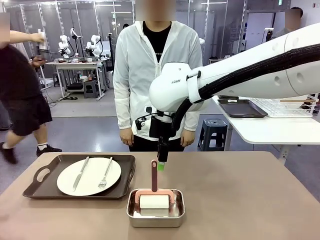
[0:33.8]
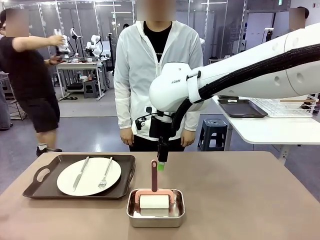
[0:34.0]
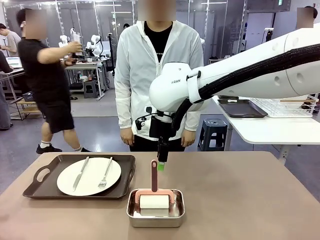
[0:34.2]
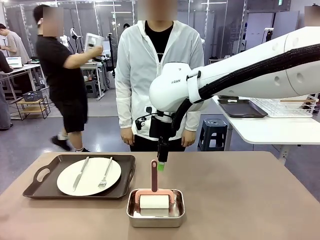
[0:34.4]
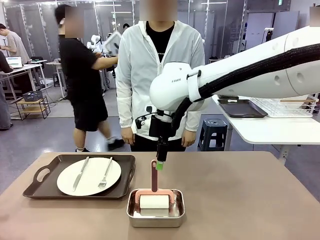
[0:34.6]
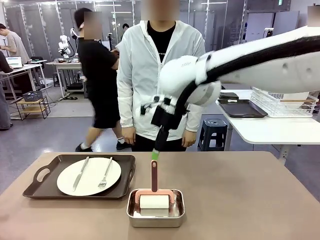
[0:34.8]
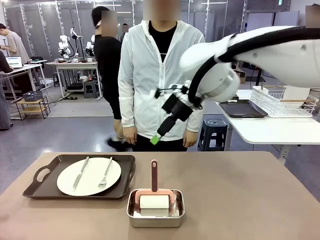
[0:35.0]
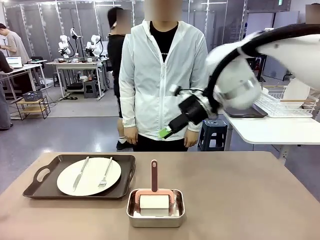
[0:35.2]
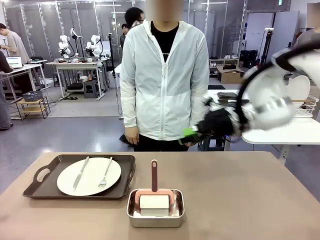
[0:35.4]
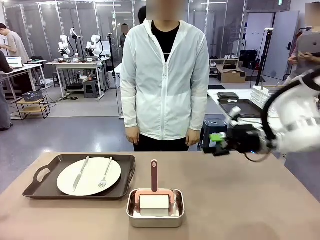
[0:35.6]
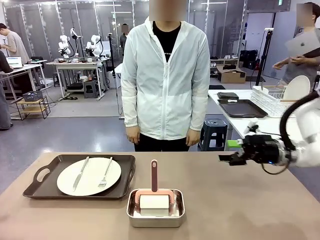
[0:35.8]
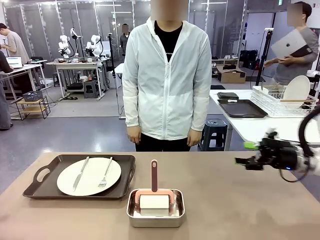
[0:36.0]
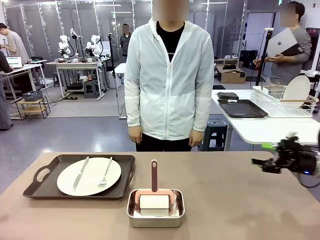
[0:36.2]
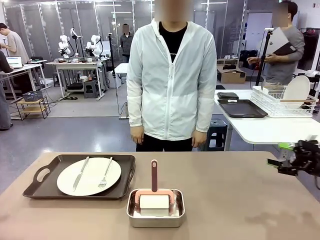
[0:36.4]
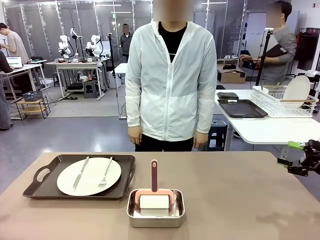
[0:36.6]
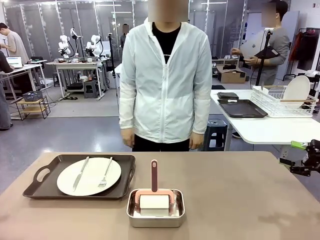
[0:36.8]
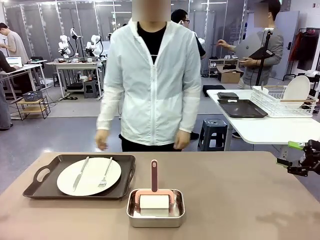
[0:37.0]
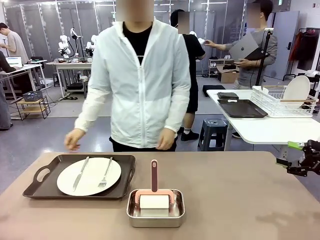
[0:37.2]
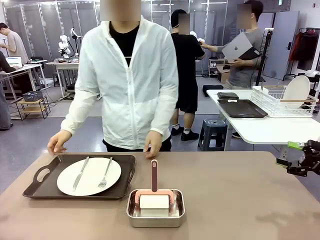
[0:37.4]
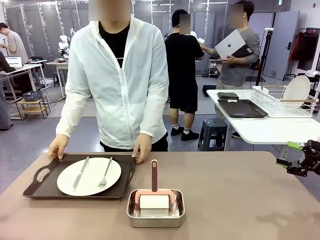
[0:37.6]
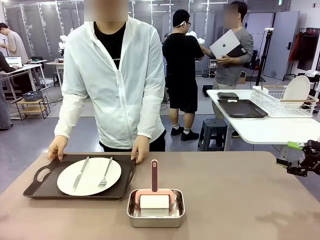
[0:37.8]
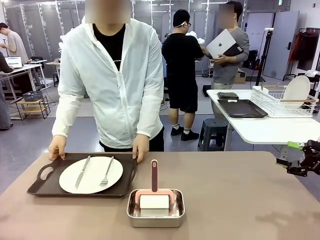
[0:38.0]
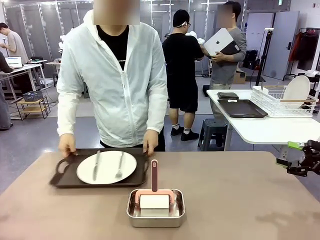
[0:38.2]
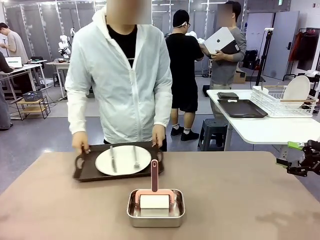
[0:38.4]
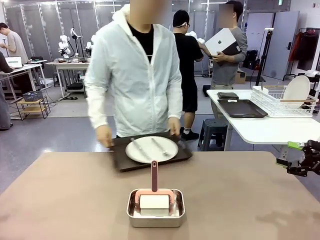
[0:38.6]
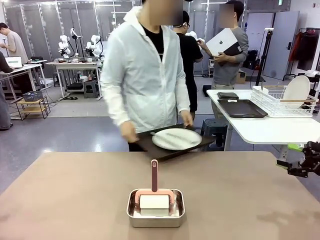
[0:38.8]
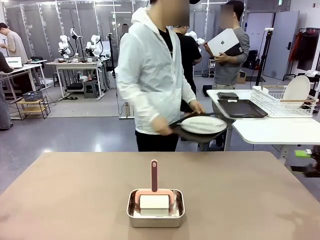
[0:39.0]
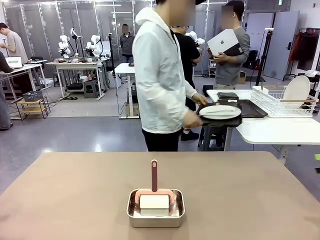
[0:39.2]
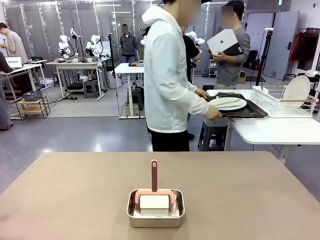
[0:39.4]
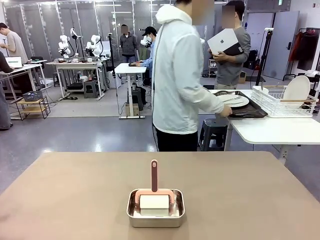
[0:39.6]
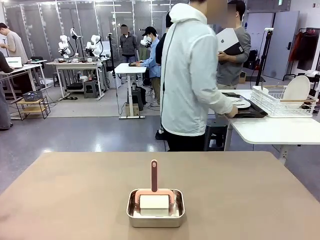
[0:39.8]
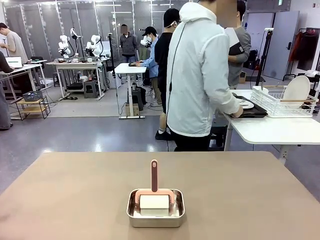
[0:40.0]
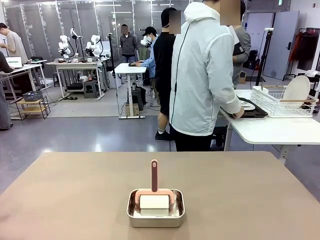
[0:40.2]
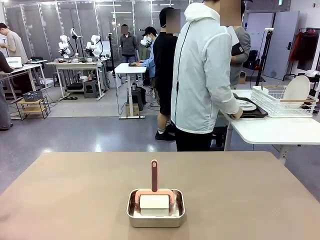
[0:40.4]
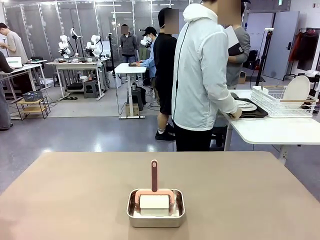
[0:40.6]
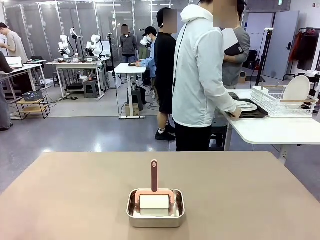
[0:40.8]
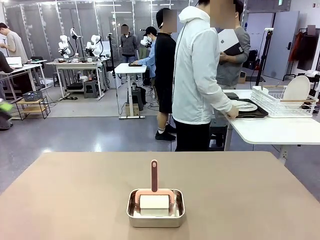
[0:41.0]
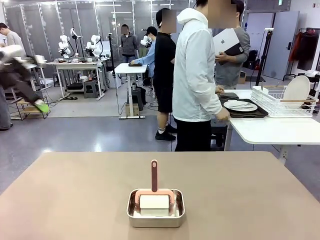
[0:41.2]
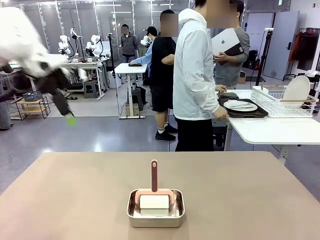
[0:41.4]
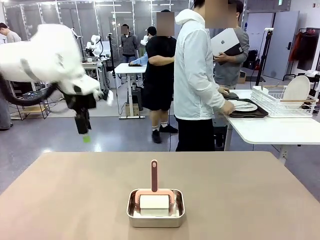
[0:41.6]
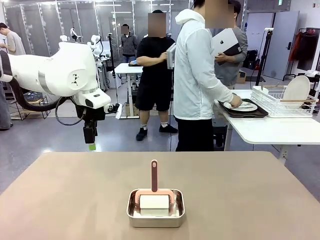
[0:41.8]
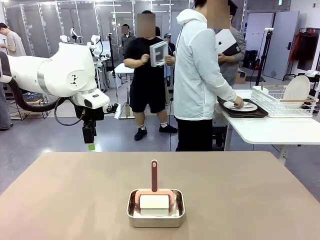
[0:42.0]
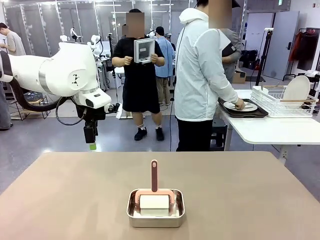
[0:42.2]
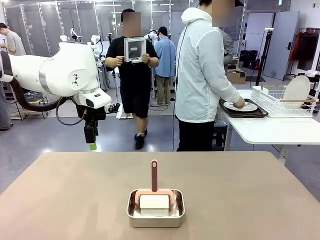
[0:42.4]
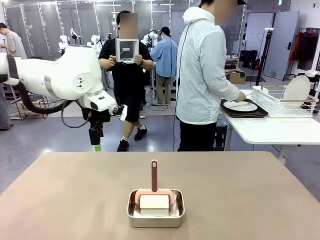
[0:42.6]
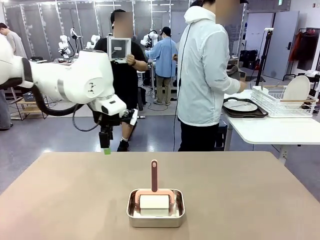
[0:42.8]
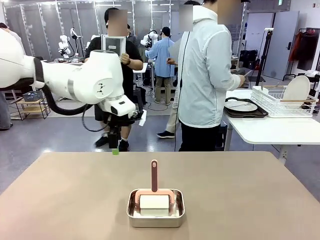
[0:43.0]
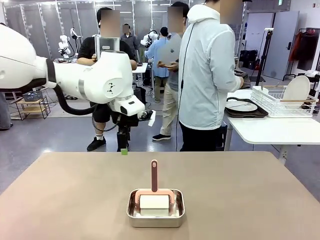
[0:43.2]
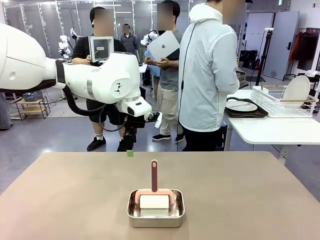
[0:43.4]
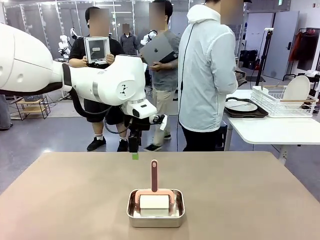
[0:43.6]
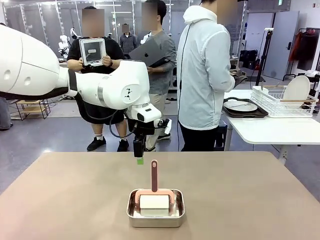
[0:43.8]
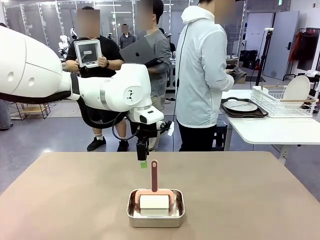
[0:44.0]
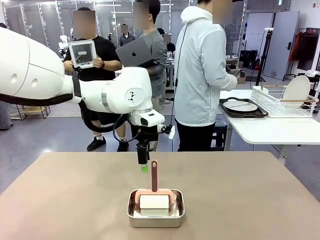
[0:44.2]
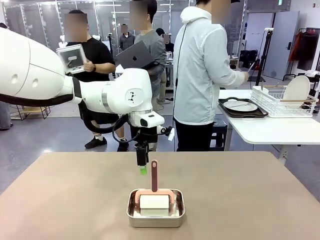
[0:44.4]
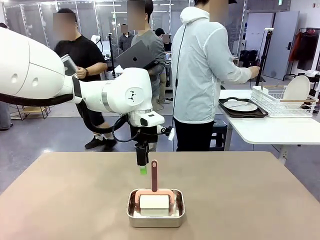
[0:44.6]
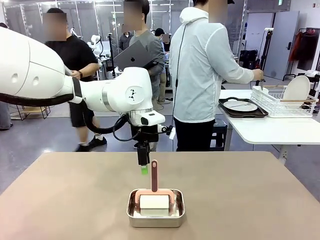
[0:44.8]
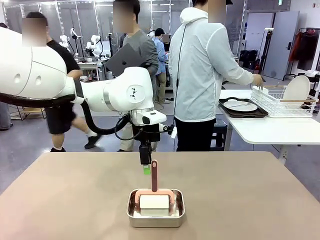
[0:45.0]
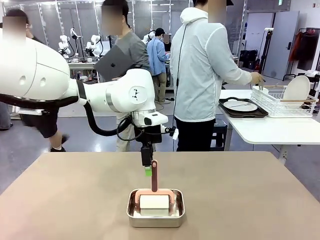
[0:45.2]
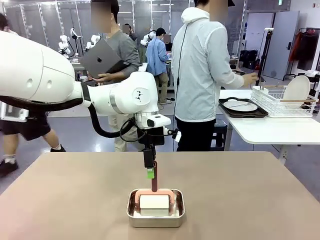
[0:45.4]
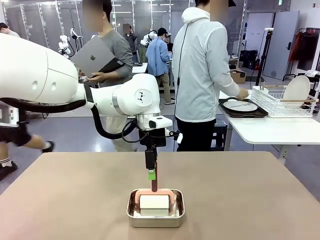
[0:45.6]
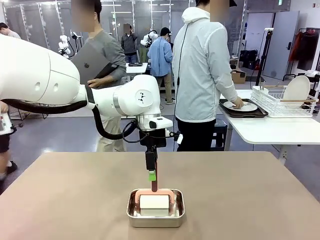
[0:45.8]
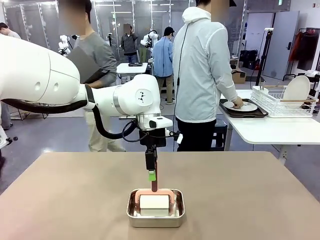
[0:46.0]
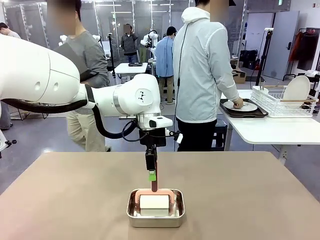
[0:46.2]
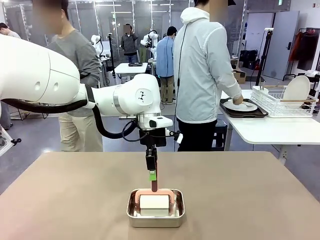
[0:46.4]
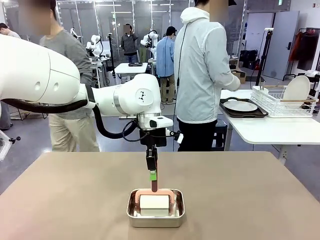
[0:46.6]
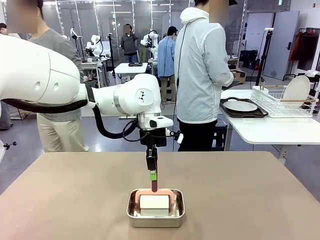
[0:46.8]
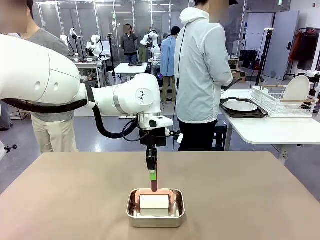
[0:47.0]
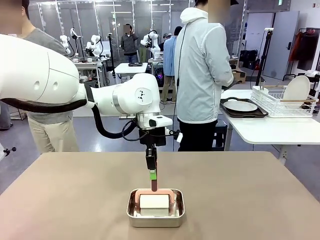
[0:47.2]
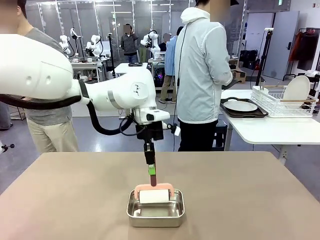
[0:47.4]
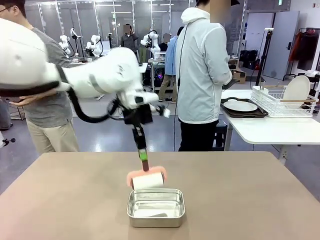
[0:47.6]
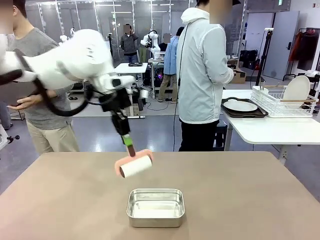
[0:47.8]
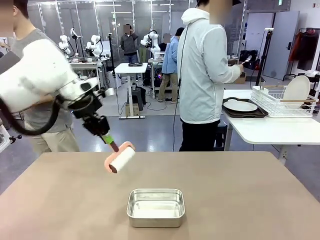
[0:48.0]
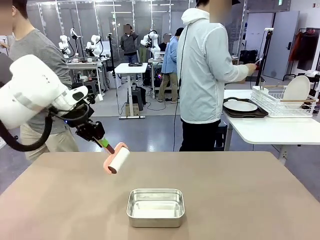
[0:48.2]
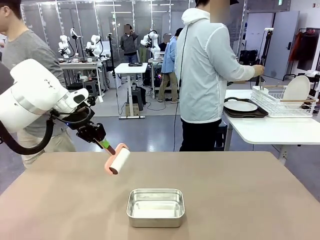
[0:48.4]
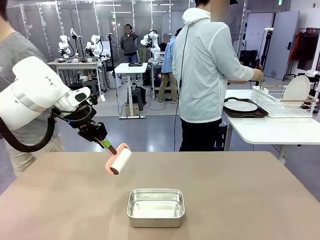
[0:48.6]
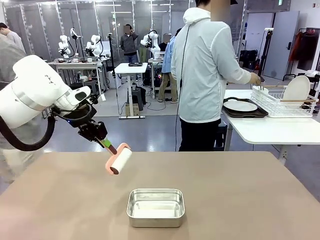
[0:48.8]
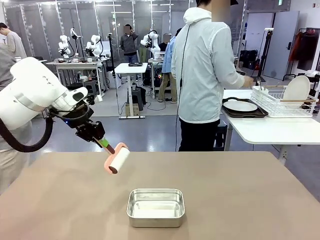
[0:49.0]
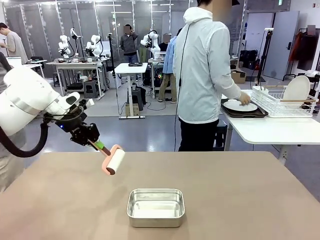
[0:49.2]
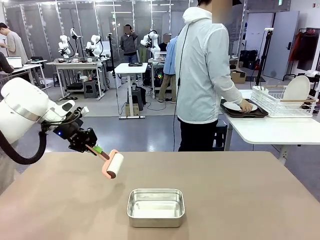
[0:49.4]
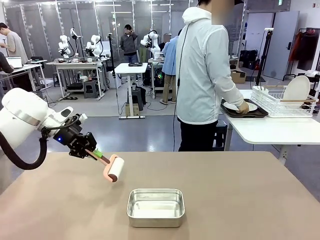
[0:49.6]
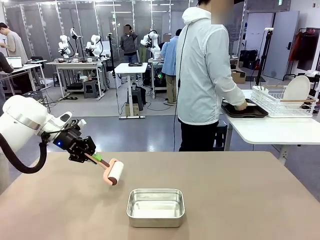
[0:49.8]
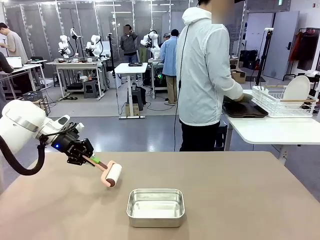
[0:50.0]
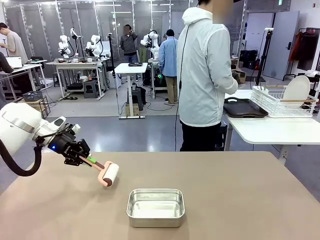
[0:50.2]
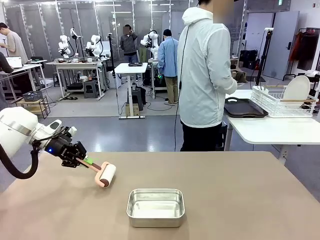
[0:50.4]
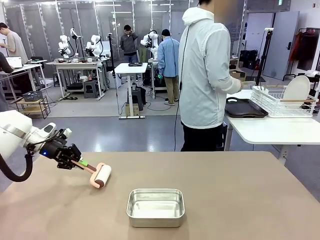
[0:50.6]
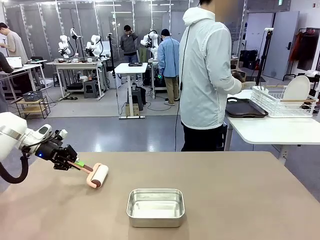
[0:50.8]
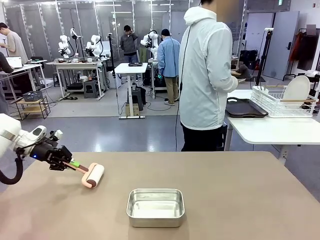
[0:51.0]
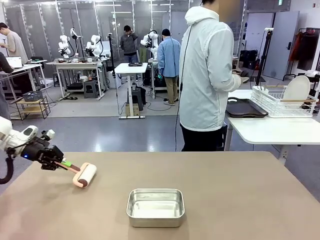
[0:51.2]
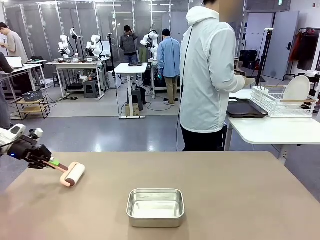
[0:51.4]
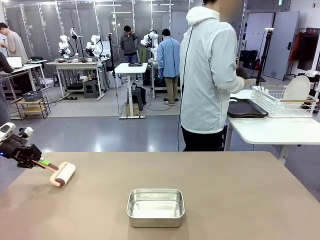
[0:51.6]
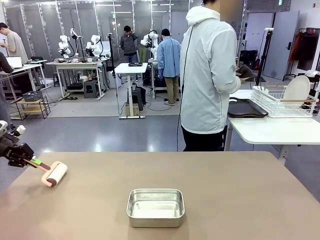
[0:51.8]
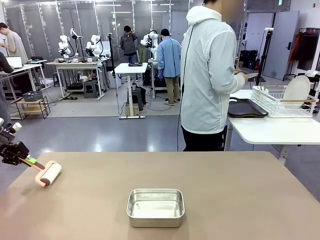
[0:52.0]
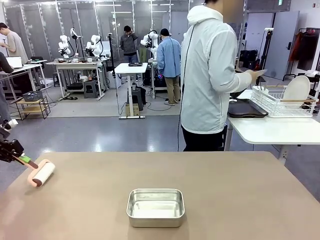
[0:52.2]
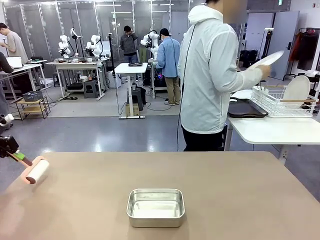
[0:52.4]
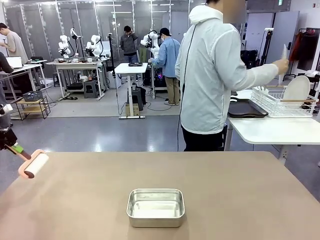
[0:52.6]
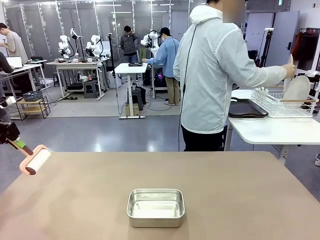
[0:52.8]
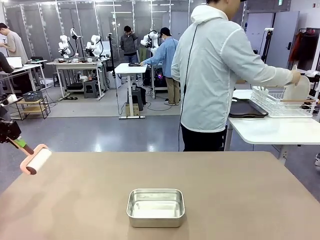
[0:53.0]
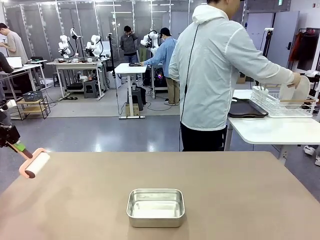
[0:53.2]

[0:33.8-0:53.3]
Robot: When the right (or left) Handle tray is removed, use the right hand (or left hand) to clean the right (or left) side of the table with the Lint Roller.
